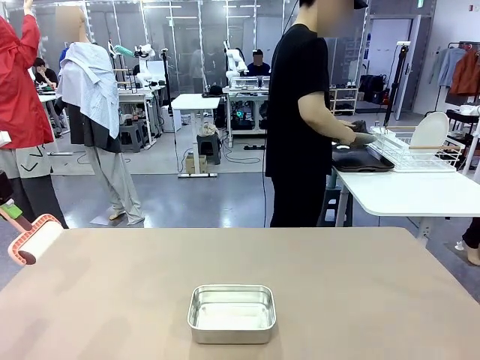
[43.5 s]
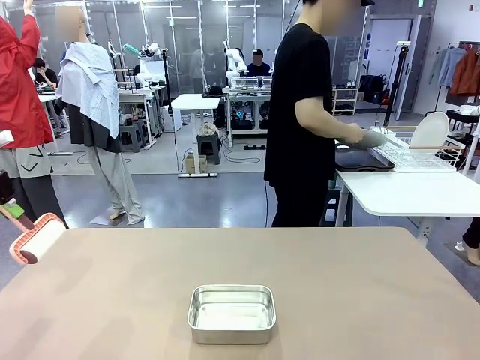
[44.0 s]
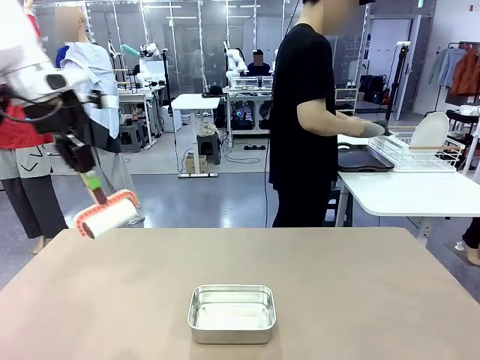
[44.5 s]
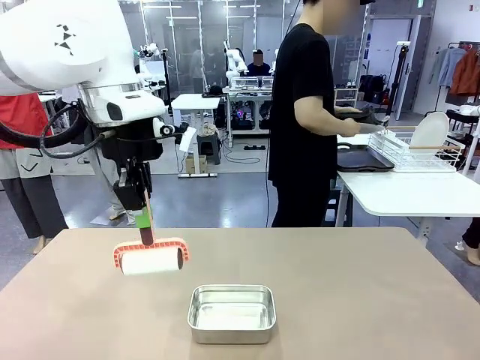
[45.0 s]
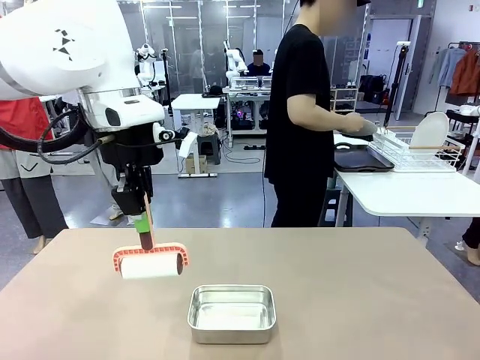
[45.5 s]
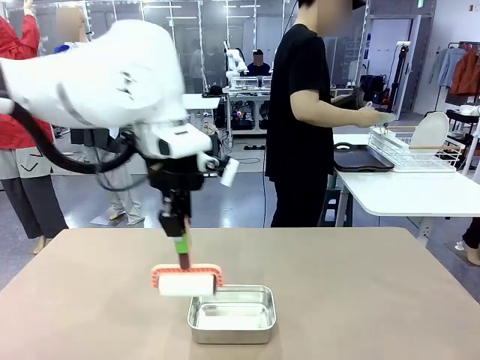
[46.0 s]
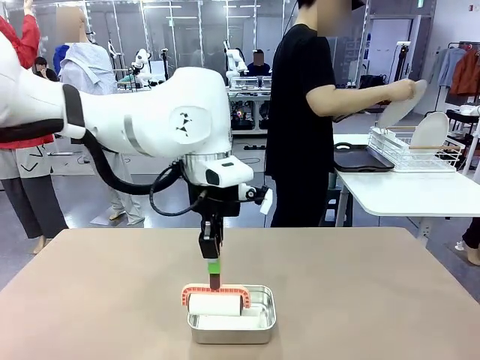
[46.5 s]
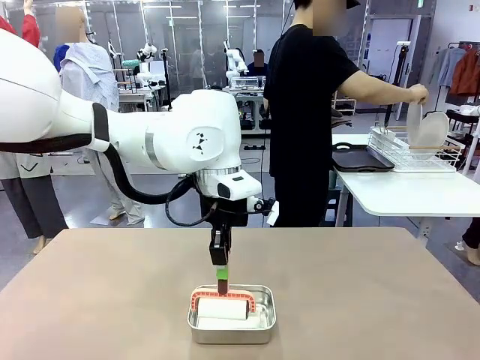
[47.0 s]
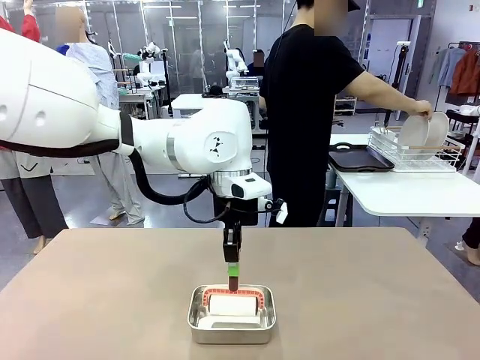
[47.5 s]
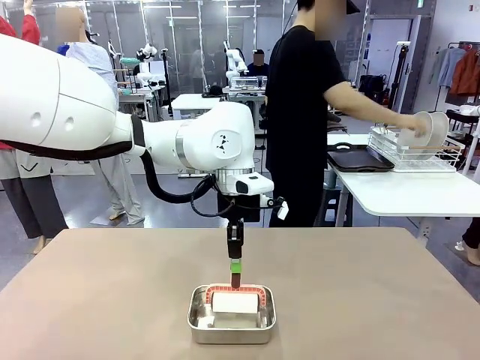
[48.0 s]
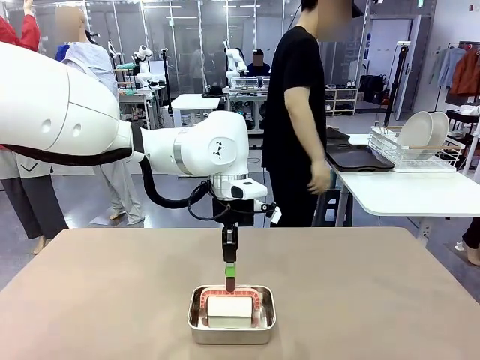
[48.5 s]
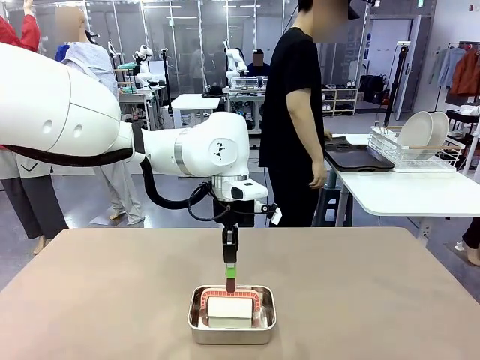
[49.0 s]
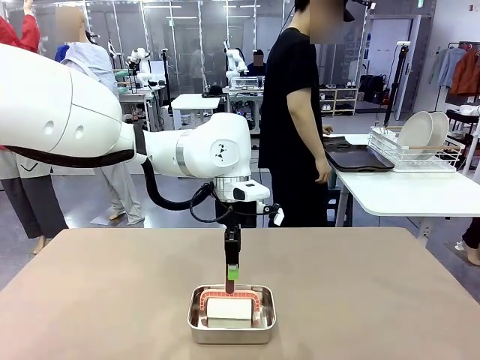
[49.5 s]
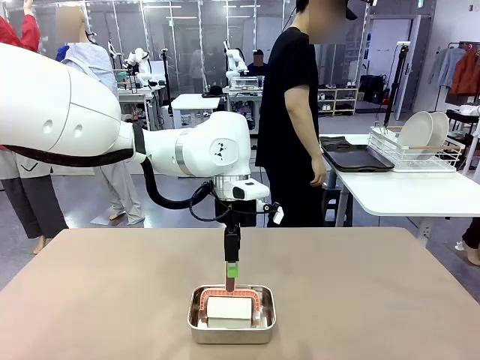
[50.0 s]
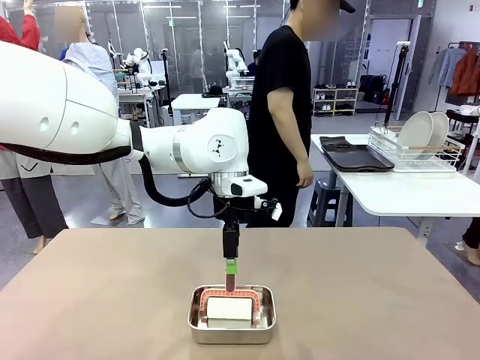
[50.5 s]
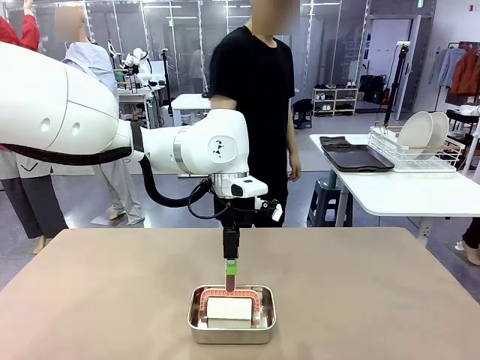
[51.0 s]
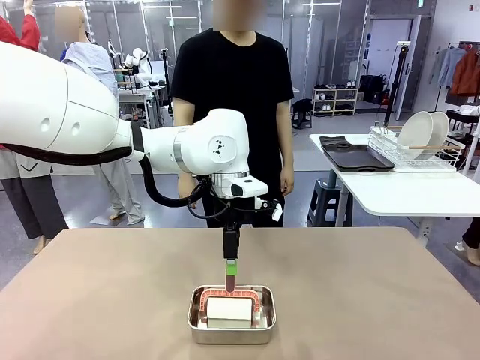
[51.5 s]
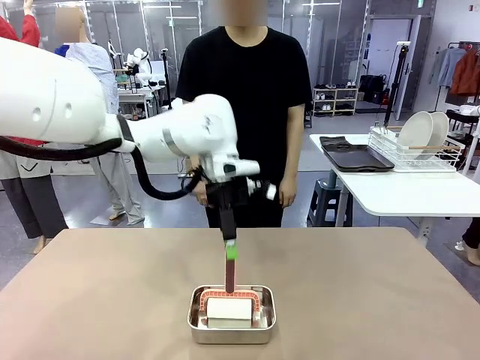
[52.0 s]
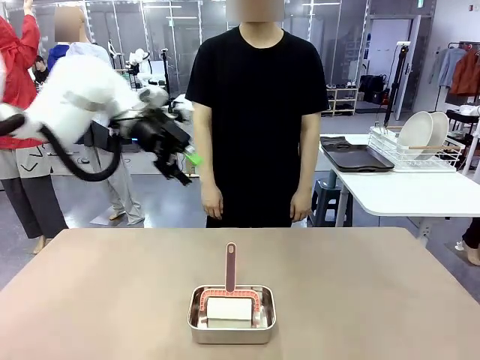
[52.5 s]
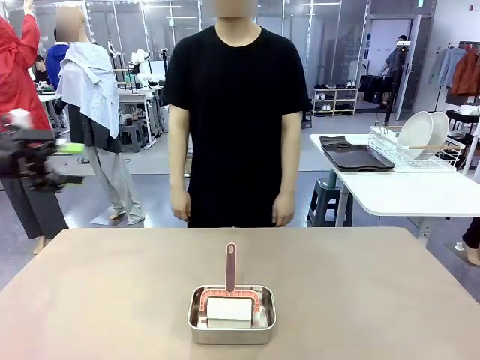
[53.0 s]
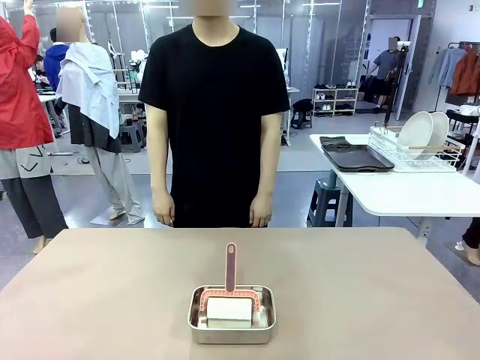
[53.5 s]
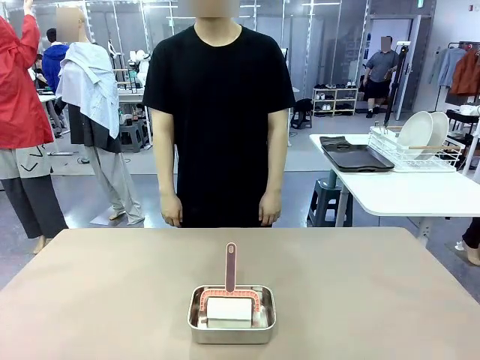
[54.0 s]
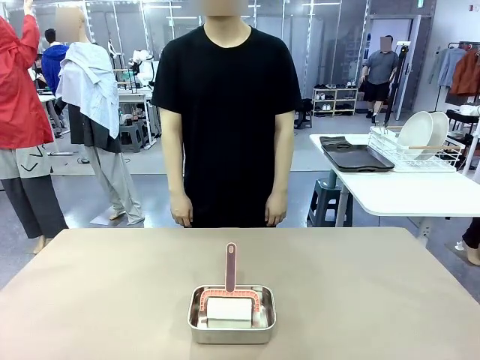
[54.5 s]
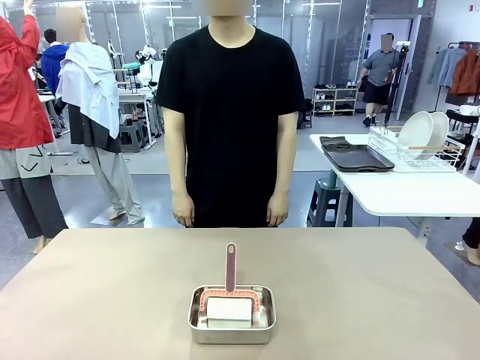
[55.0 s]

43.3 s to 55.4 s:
Robot: Place the Lint Roller back on top of the Airtight Container.
Person: Use the Towel with hook to wipe the Plastic Matte Plate , Fork , and Knife and place into the Dish drying rack.
